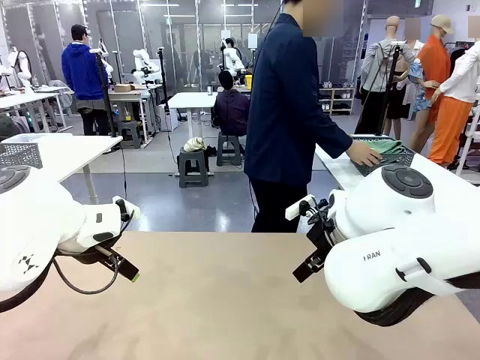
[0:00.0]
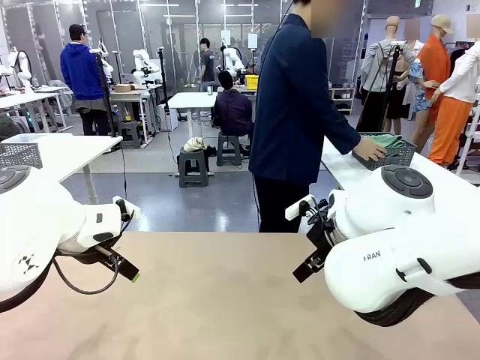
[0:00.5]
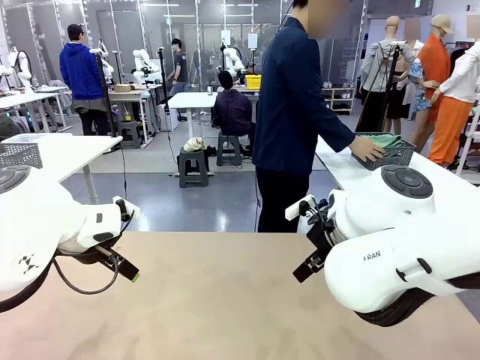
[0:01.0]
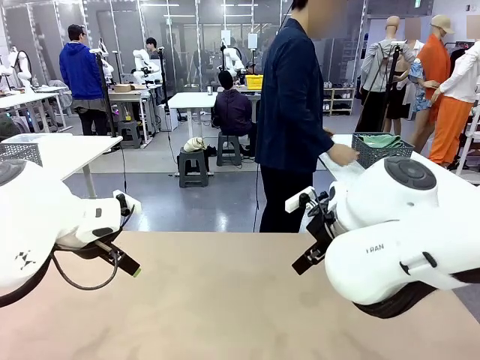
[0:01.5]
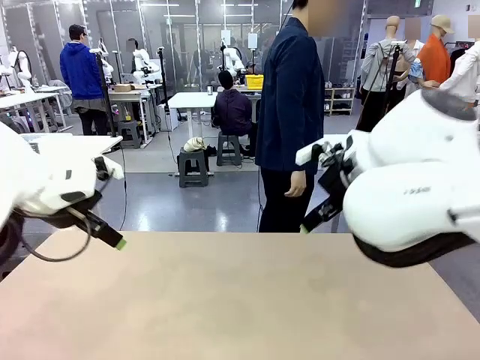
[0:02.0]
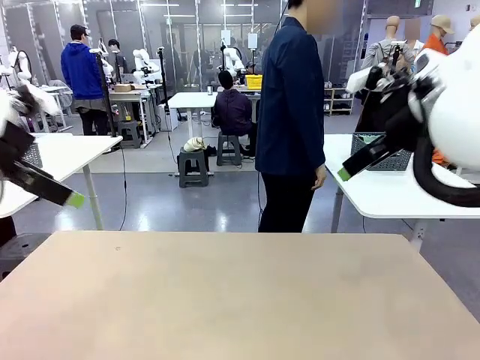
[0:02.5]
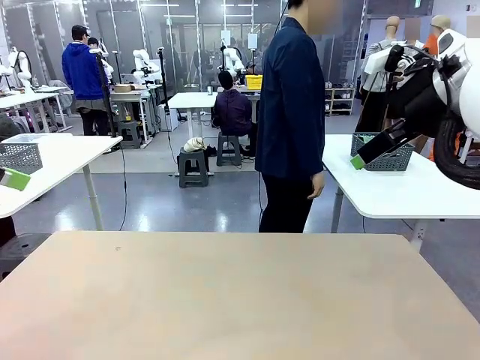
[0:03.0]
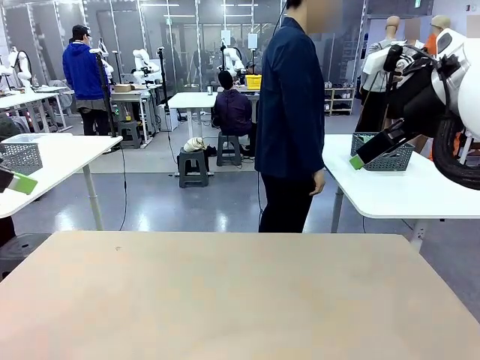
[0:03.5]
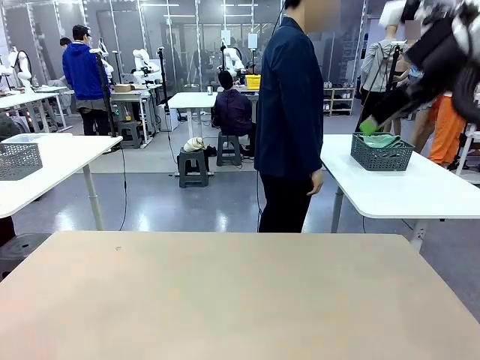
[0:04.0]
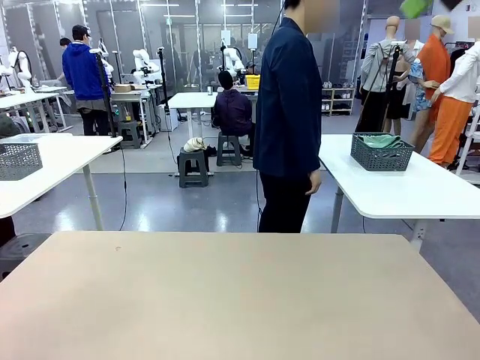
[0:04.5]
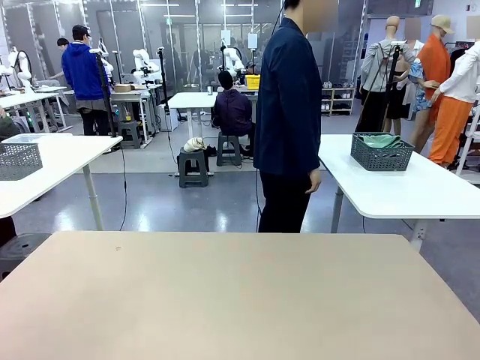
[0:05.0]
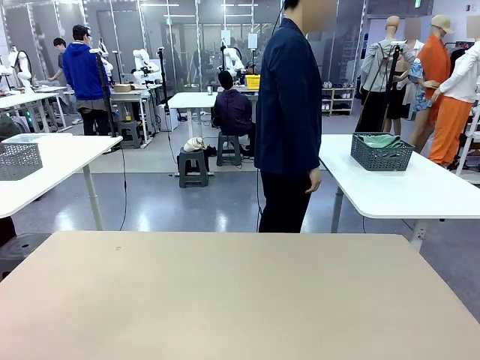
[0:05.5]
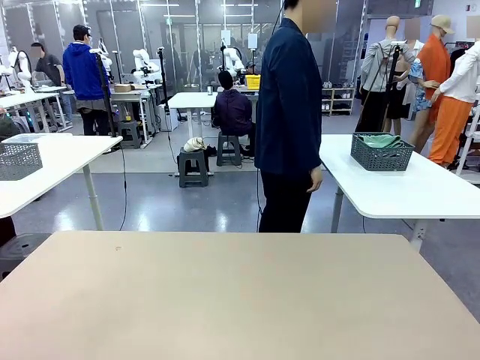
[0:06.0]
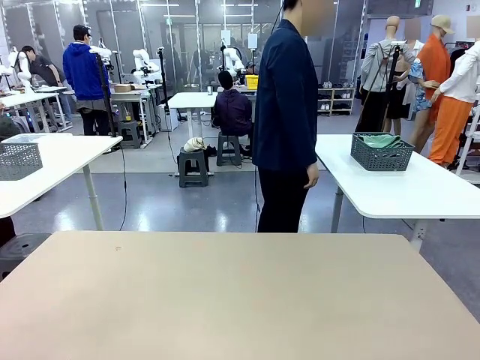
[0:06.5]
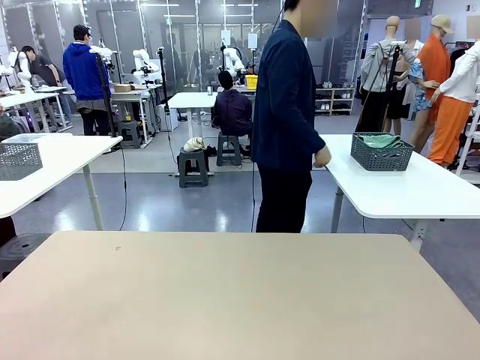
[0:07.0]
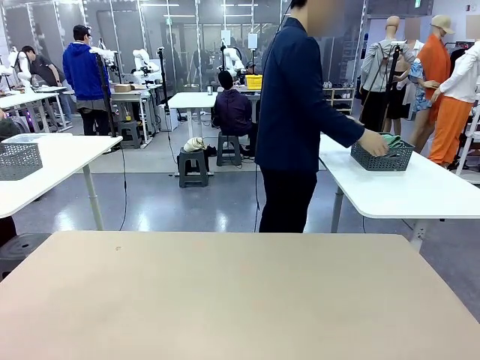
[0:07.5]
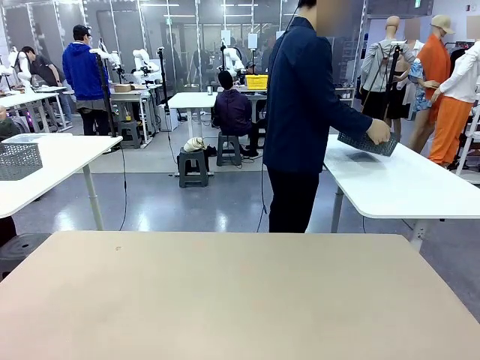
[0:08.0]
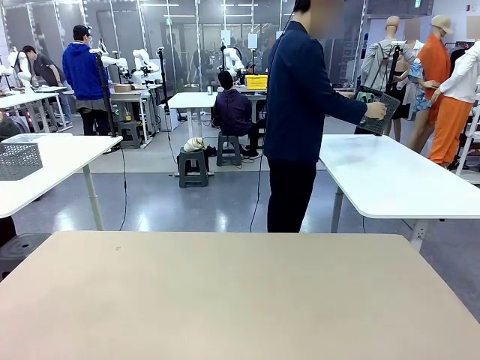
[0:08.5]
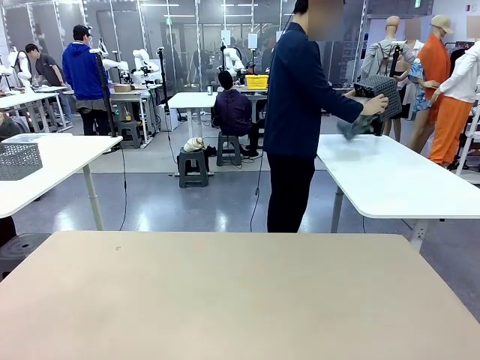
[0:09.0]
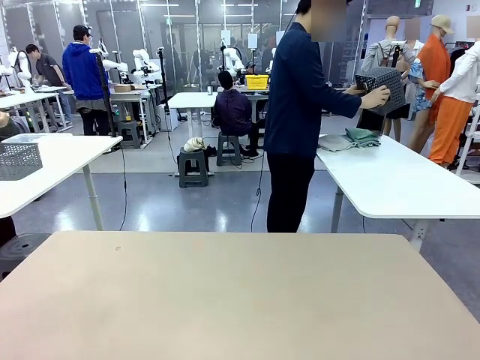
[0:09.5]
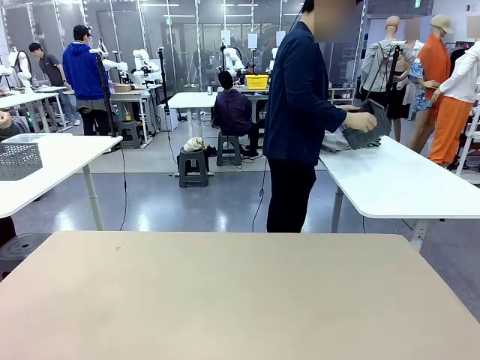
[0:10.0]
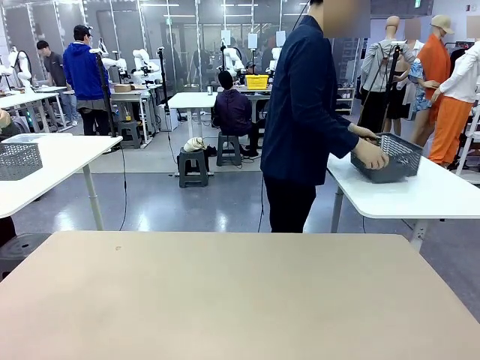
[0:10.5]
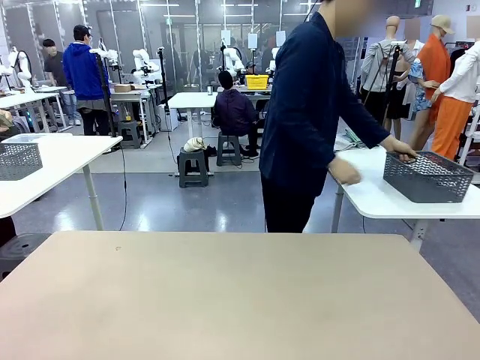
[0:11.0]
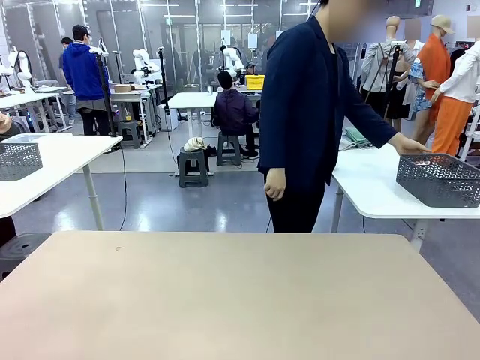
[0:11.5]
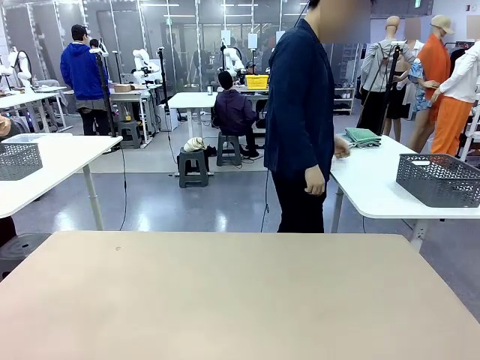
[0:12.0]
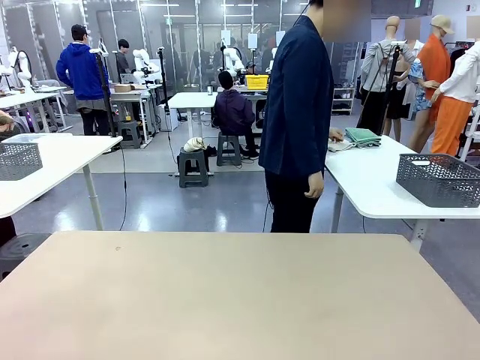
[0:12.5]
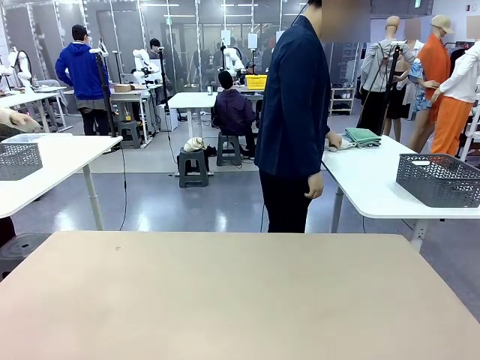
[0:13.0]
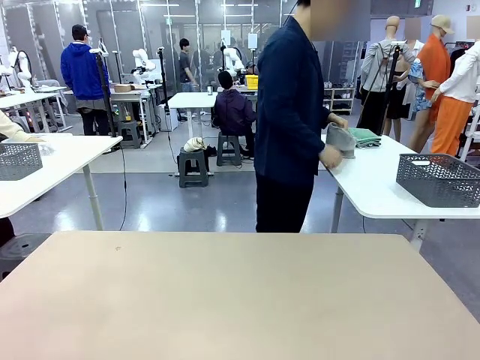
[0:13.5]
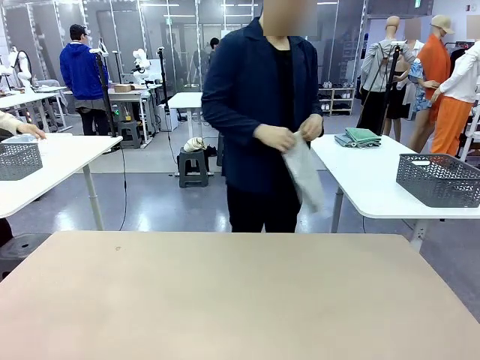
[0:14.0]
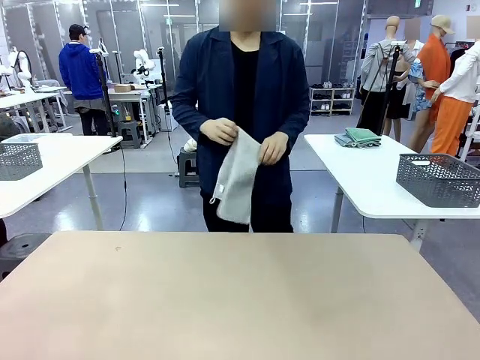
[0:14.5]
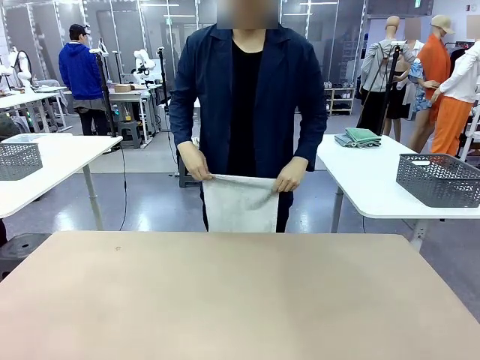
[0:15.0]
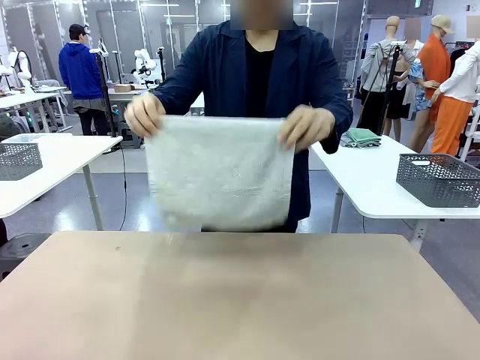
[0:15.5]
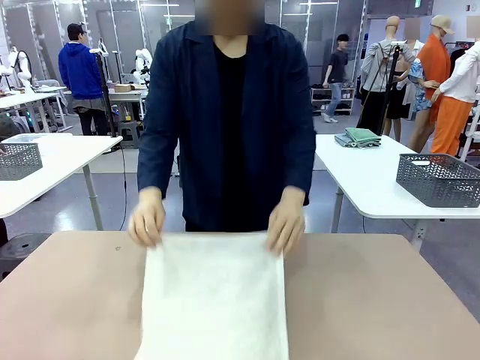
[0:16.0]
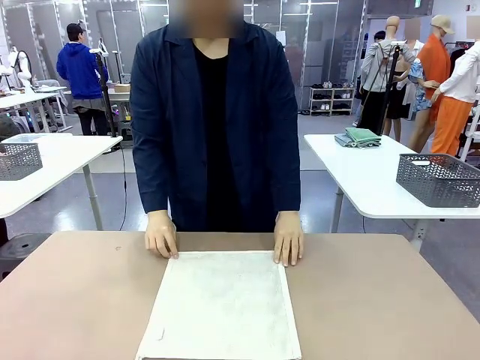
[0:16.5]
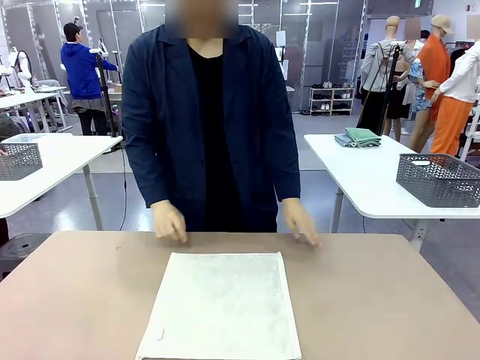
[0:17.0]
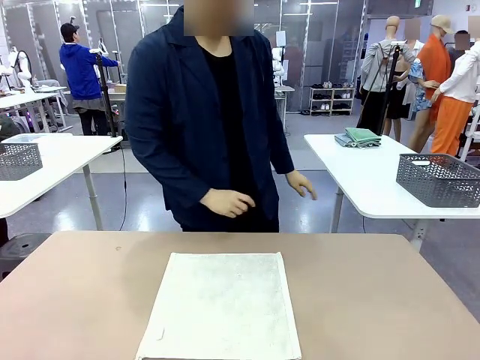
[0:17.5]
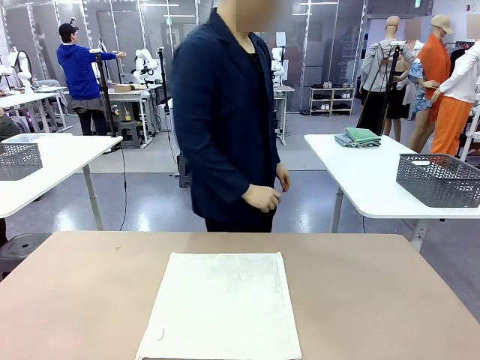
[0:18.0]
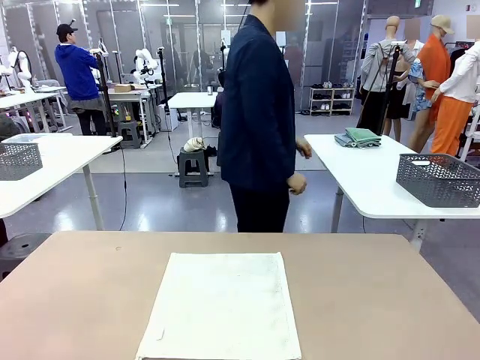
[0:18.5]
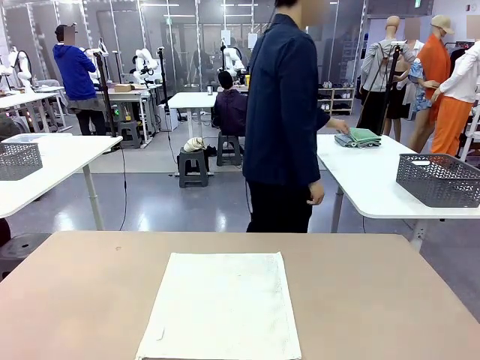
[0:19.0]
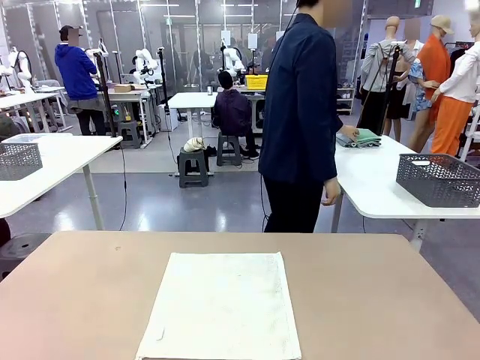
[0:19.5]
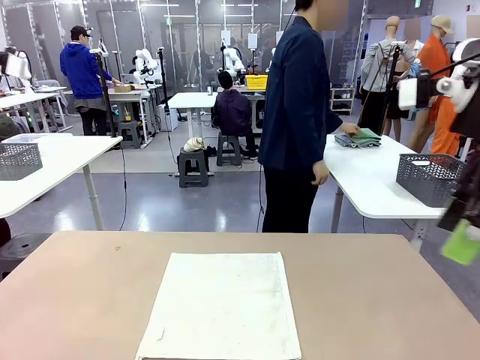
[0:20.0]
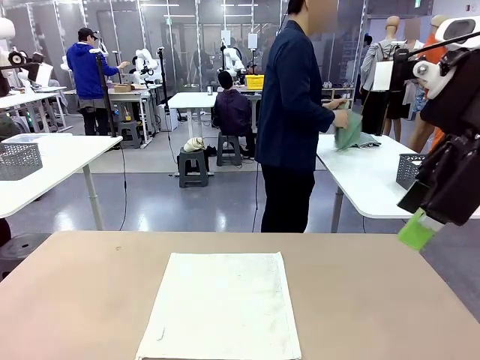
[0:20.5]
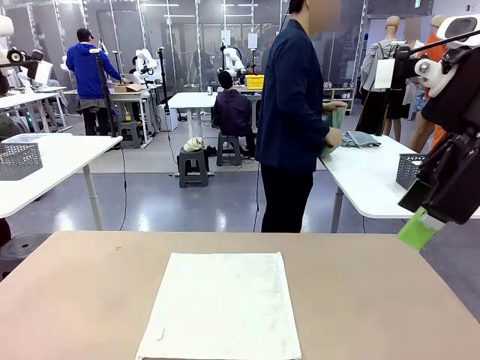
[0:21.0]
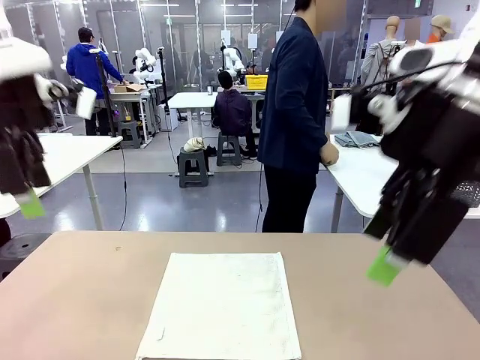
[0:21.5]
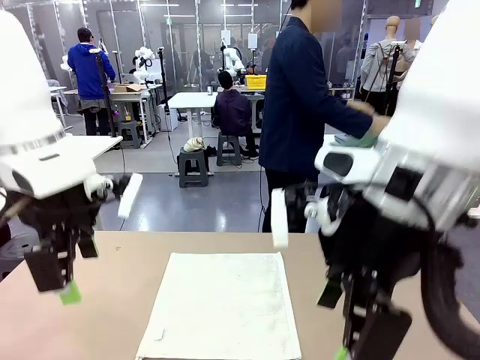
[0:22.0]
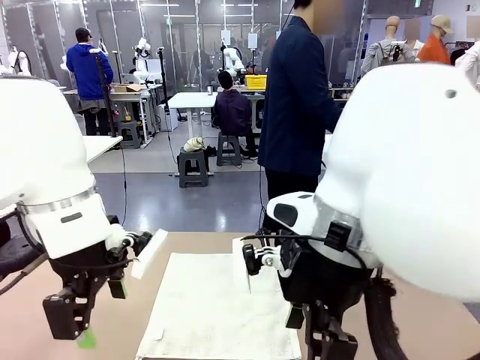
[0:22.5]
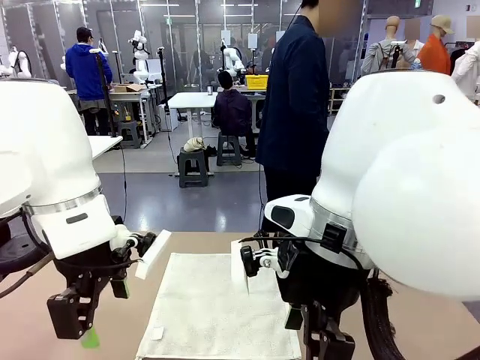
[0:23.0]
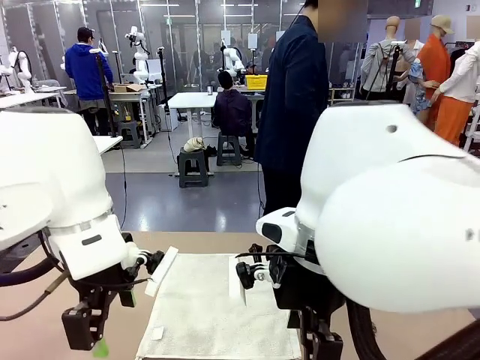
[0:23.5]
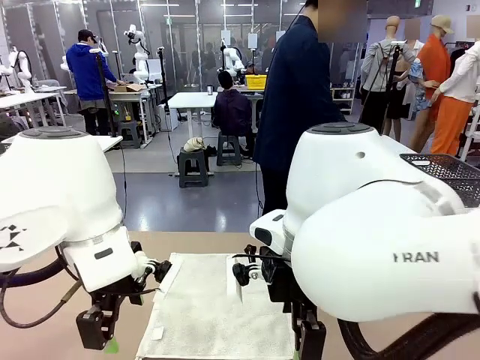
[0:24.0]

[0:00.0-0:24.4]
Task: Fold the towels and place them in the basket.
Robot: When a person lays out a Towel with hook on the table, fold it in half twice.
Person: Pick up the basket, pour the towels onto the left side of the human table, and place the basket on the right side. Pick up one towel and spread it out at the center of the robot table.
